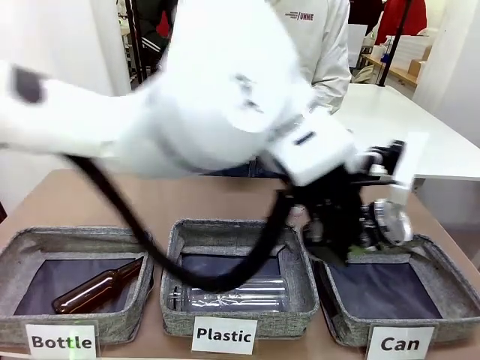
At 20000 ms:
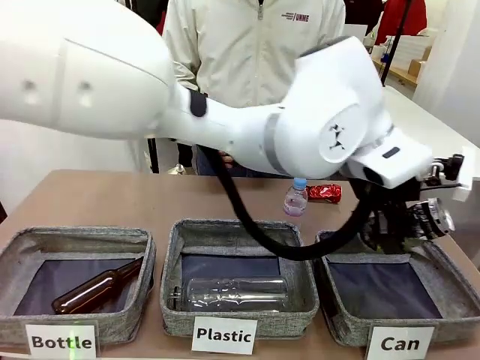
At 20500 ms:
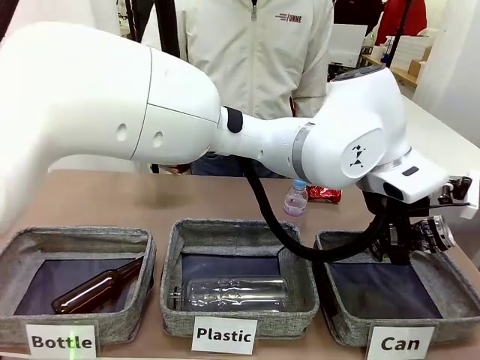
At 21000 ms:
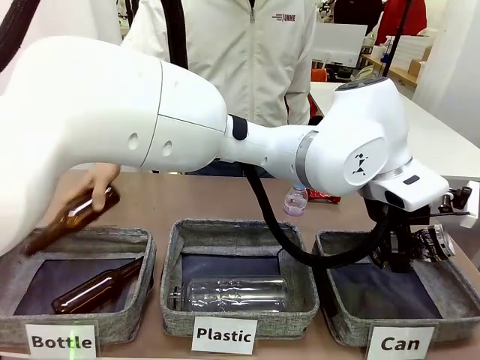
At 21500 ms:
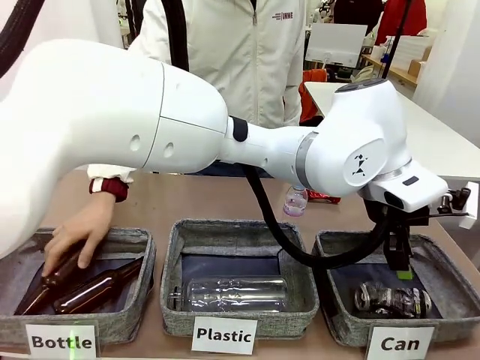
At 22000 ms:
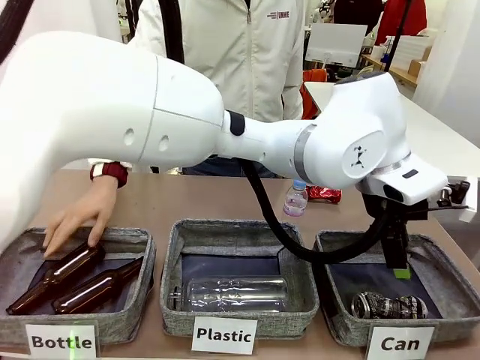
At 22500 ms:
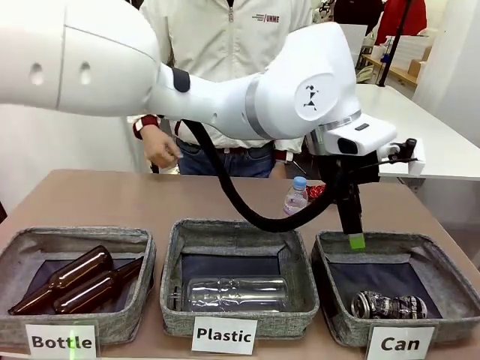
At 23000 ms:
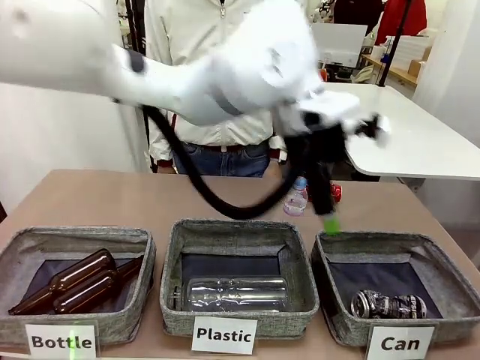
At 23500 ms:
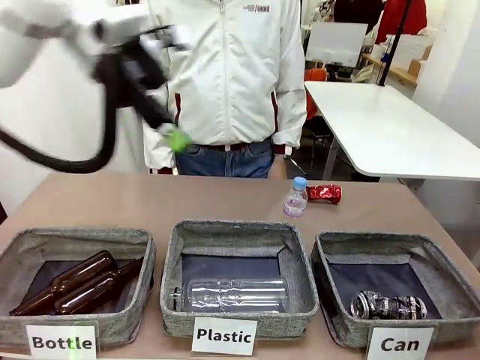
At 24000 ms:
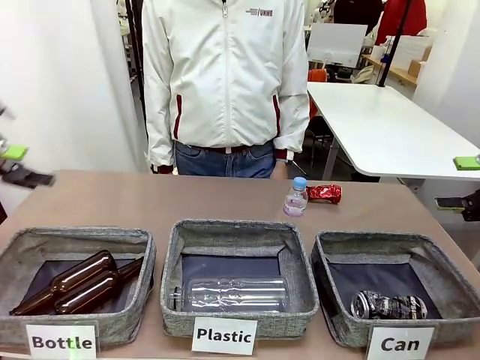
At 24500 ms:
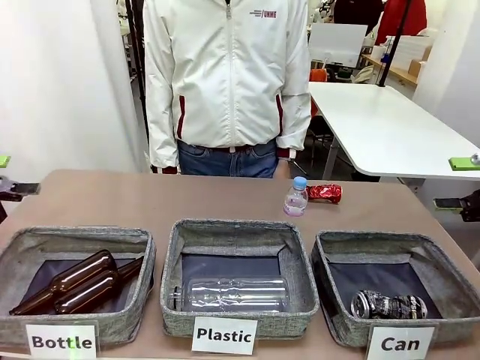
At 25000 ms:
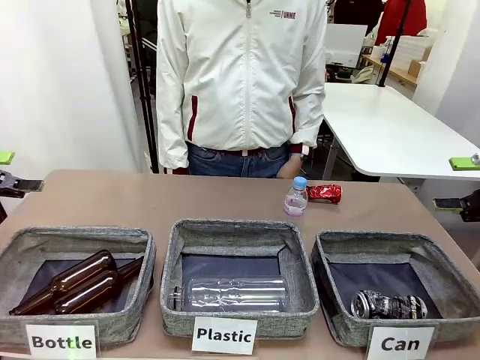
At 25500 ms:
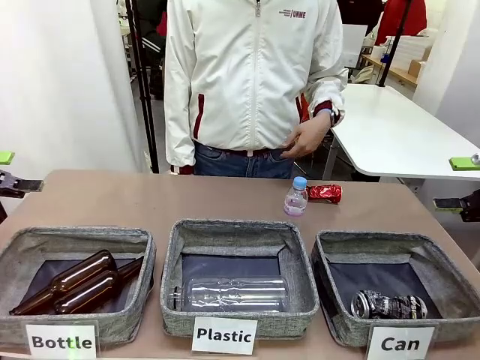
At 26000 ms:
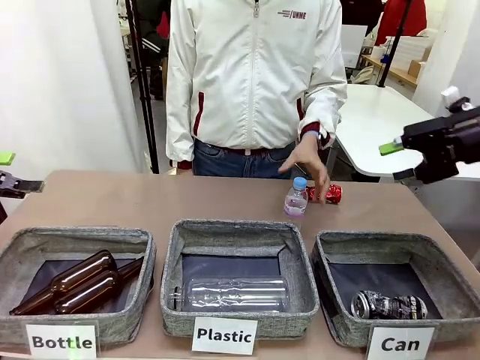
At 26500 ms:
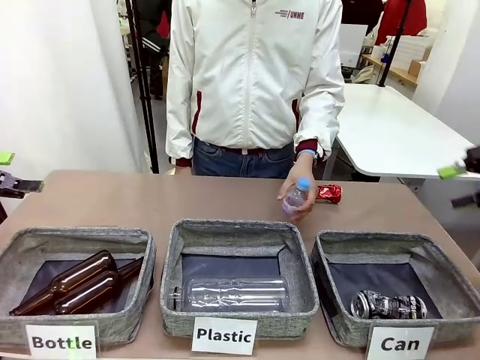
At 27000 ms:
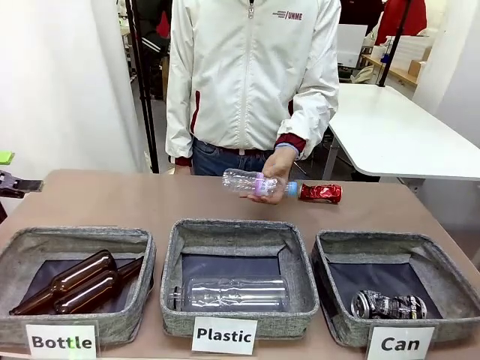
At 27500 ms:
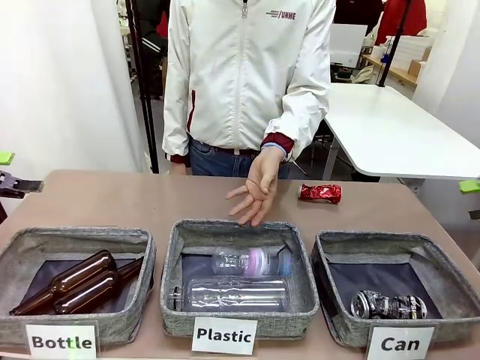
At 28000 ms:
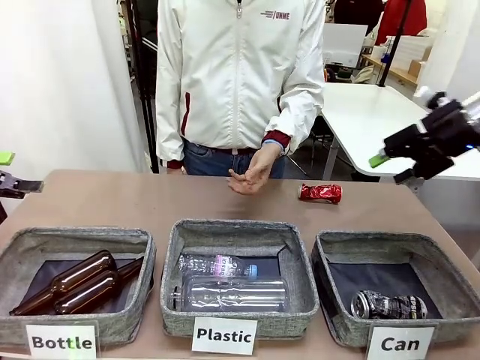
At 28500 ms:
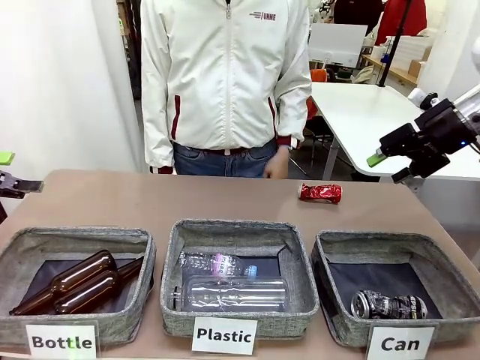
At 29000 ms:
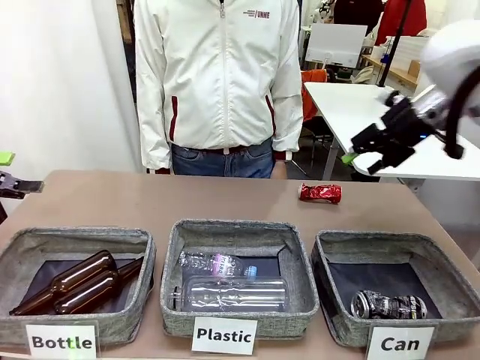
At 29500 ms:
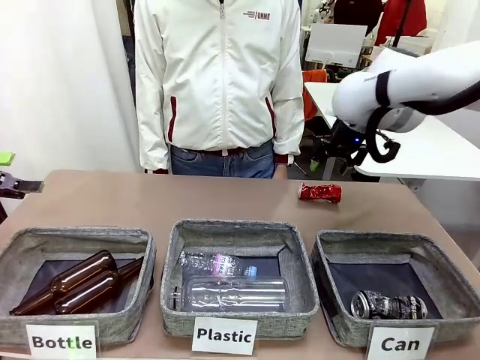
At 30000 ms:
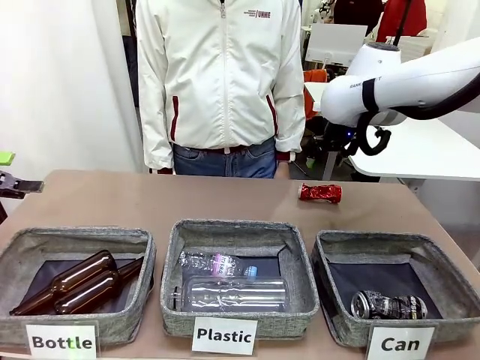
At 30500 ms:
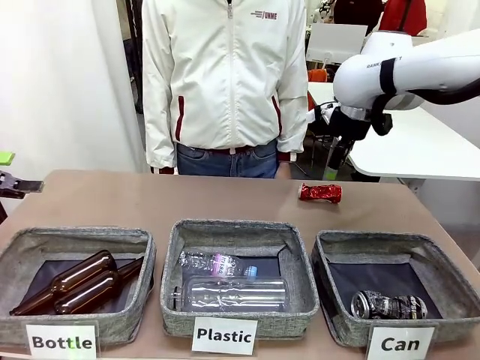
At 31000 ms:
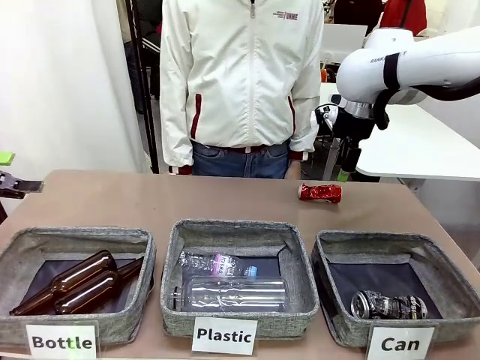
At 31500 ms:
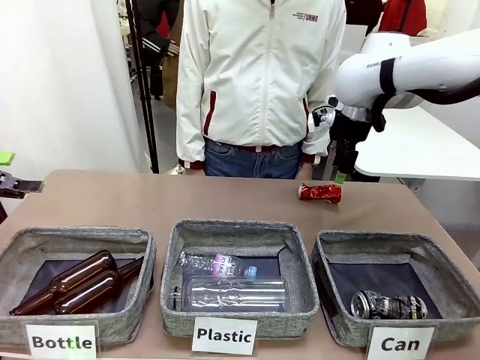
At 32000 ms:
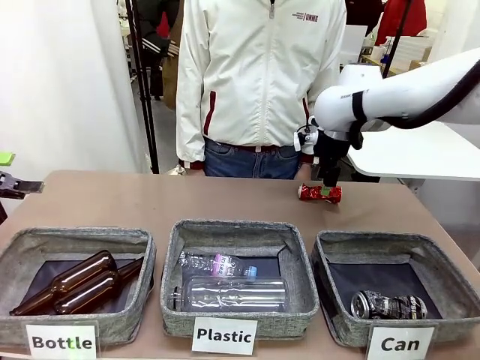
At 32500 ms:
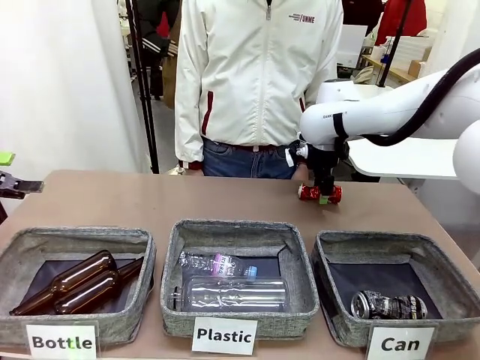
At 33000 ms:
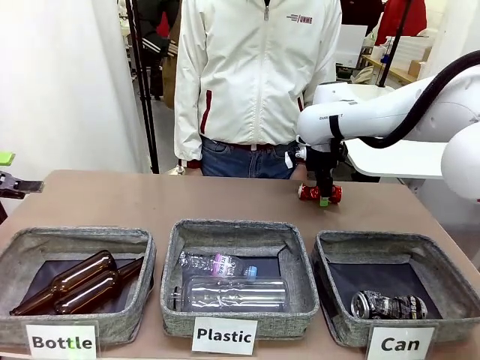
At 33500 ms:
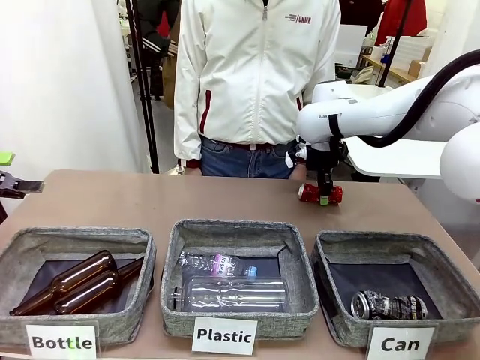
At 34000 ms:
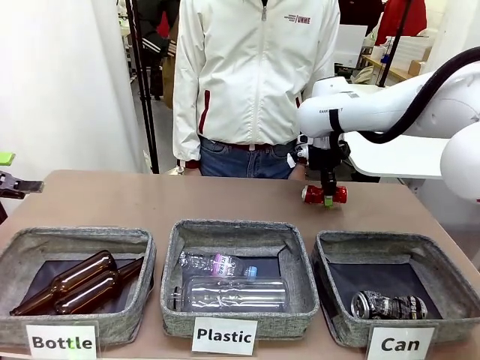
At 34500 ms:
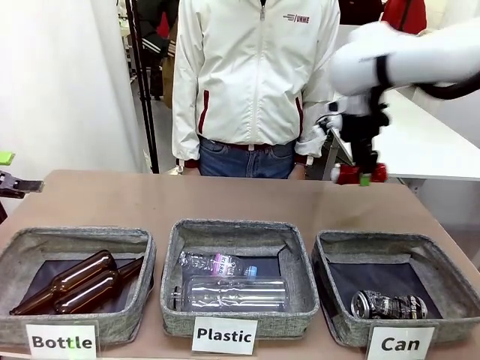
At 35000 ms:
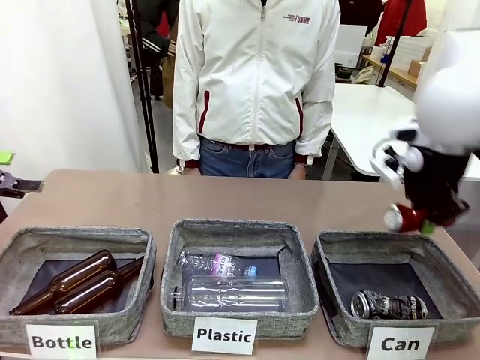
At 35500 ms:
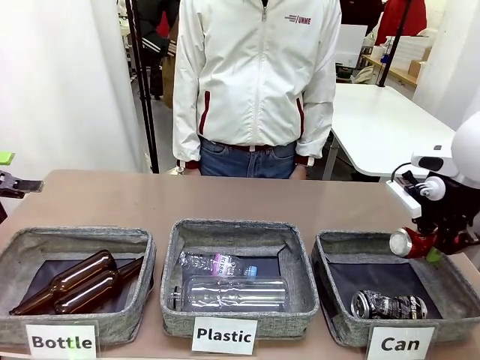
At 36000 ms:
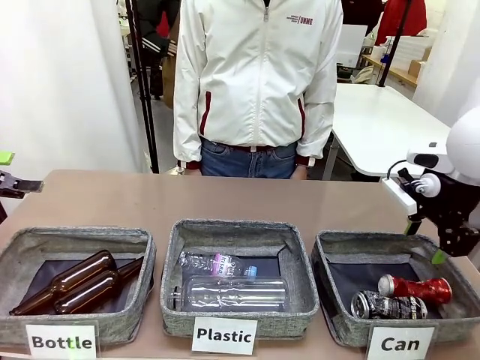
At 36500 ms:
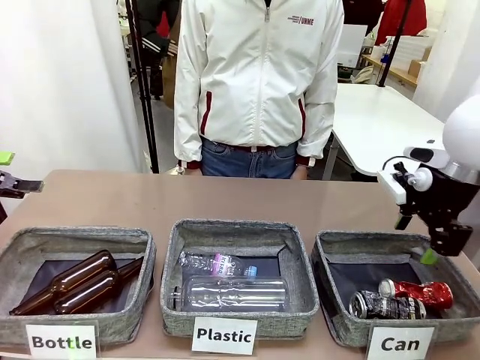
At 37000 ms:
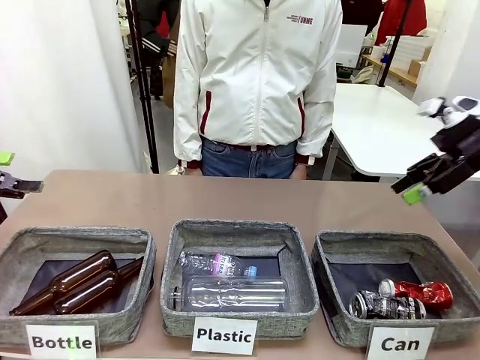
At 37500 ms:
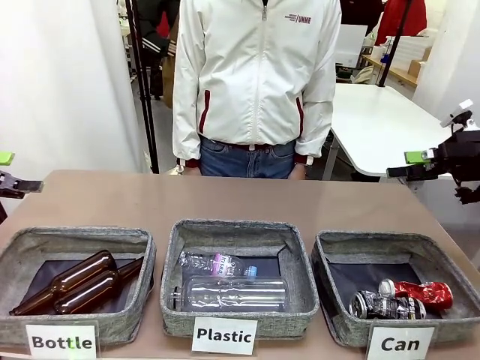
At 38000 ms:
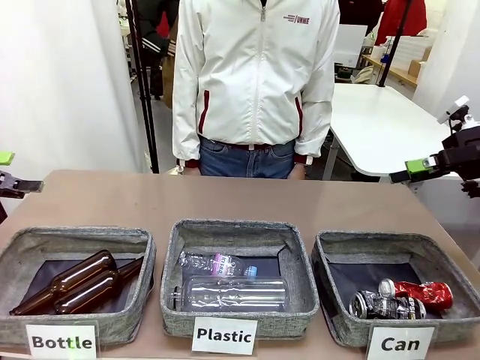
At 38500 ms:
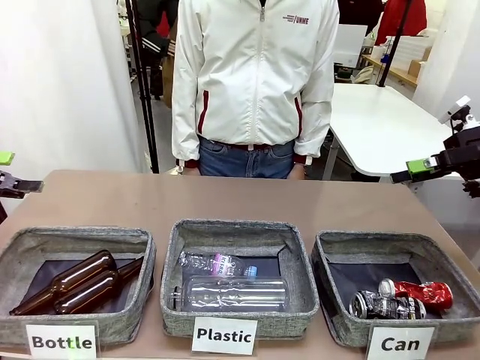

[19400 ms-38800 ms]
Task: Sort the can waste into the basket.
Robot: Pick up the can waste from the table and place it in the right Fabric basket.
